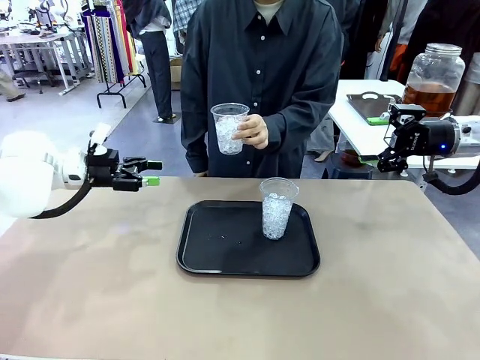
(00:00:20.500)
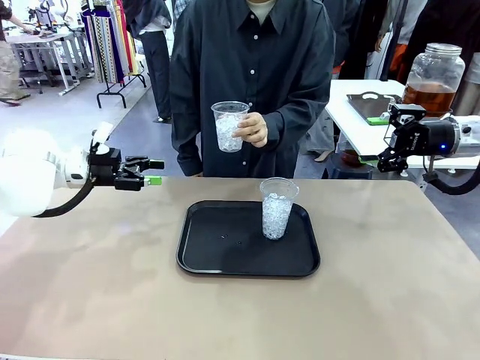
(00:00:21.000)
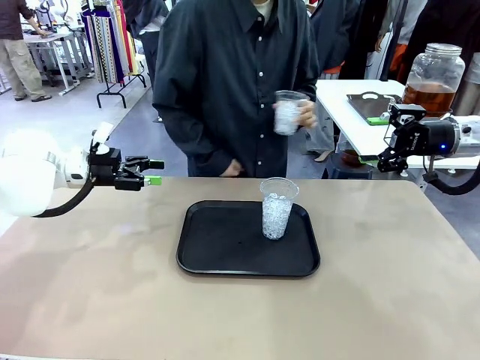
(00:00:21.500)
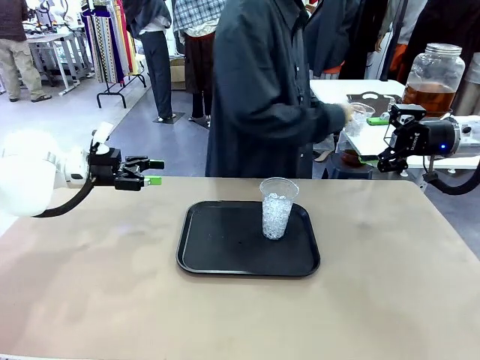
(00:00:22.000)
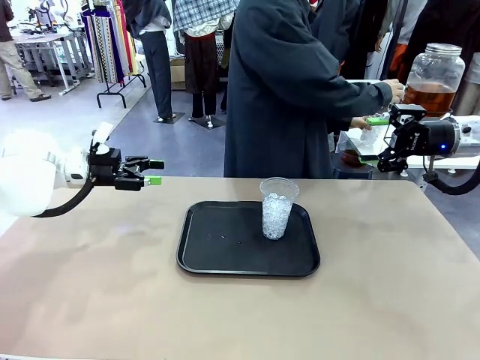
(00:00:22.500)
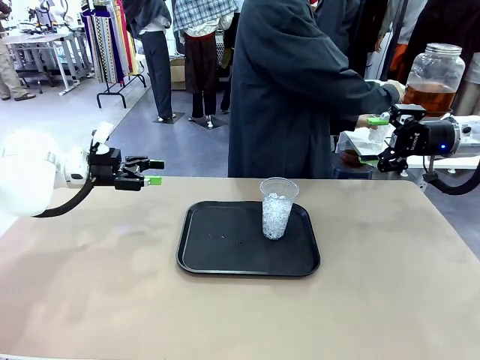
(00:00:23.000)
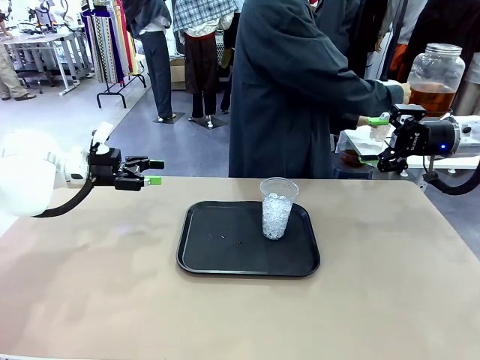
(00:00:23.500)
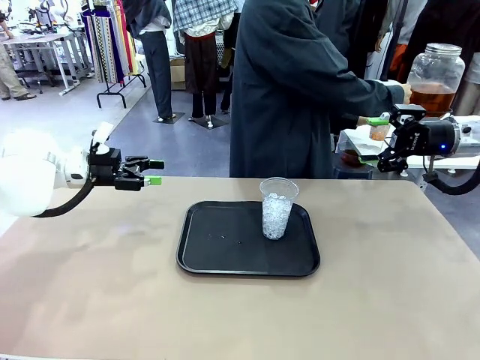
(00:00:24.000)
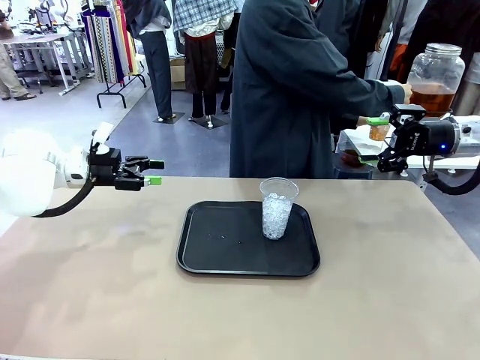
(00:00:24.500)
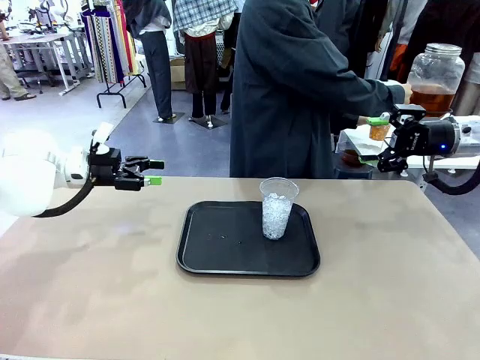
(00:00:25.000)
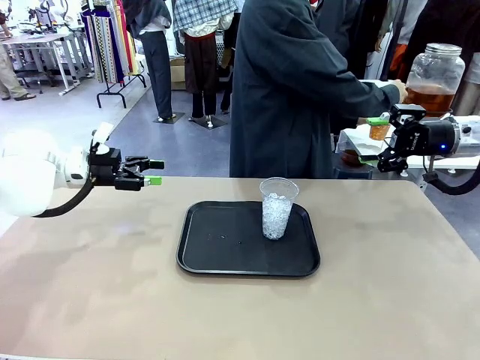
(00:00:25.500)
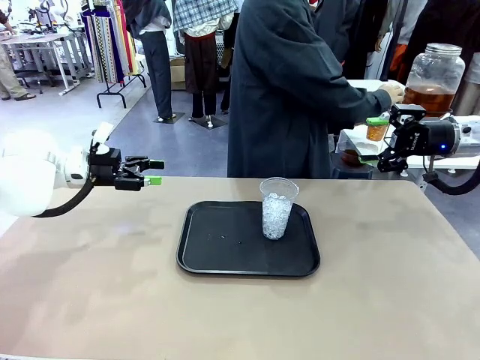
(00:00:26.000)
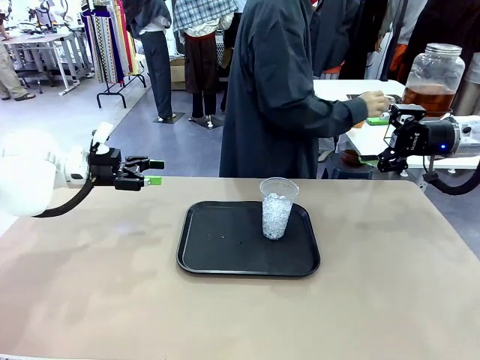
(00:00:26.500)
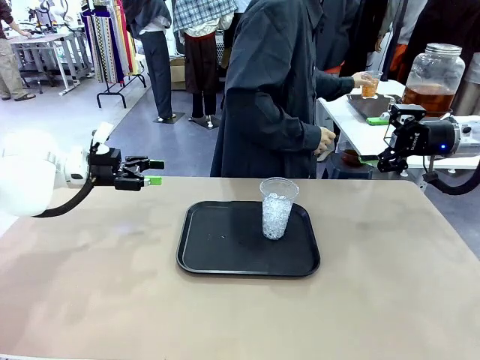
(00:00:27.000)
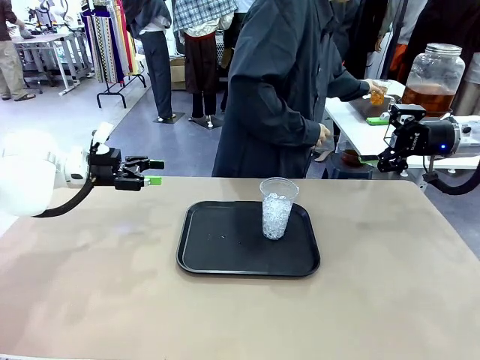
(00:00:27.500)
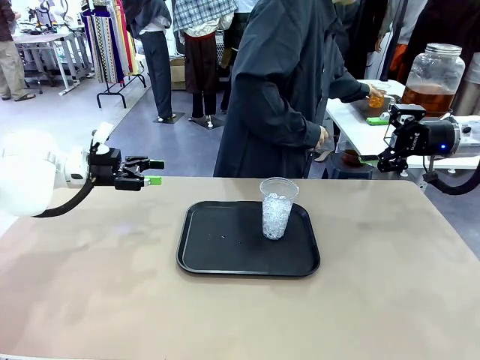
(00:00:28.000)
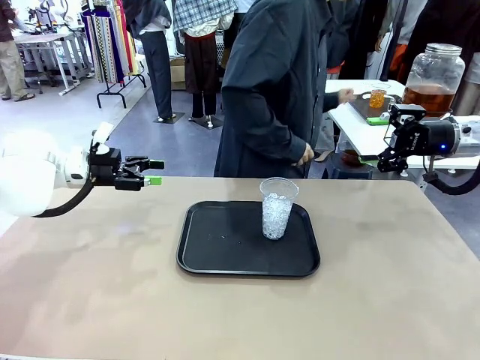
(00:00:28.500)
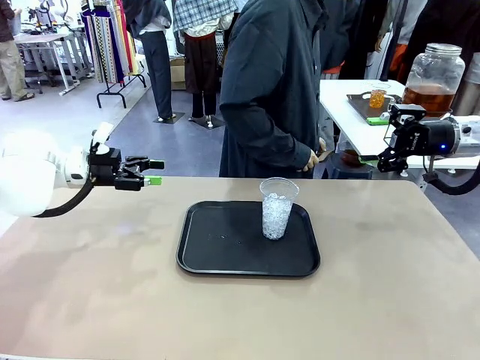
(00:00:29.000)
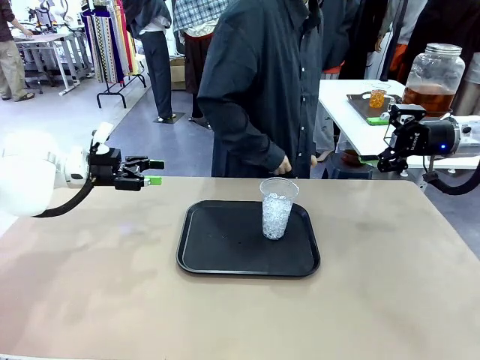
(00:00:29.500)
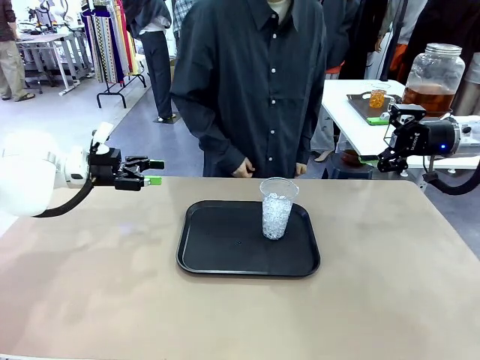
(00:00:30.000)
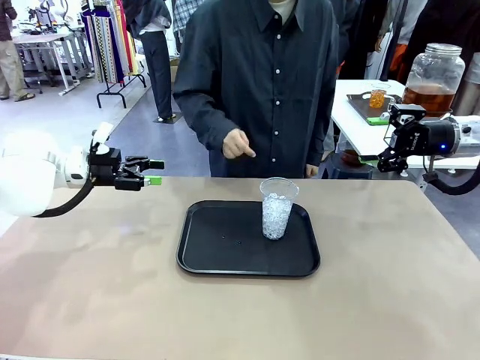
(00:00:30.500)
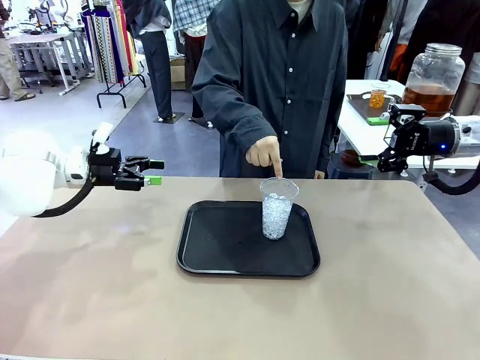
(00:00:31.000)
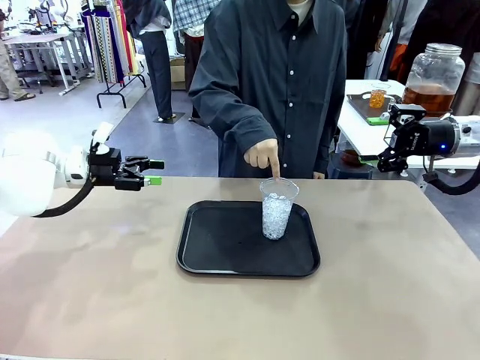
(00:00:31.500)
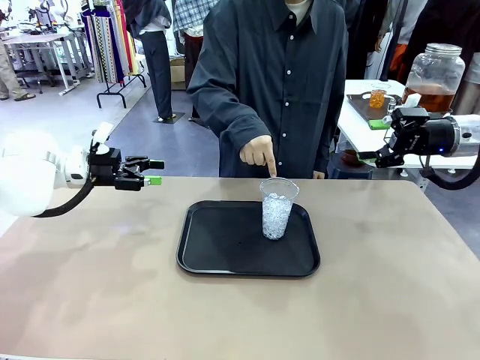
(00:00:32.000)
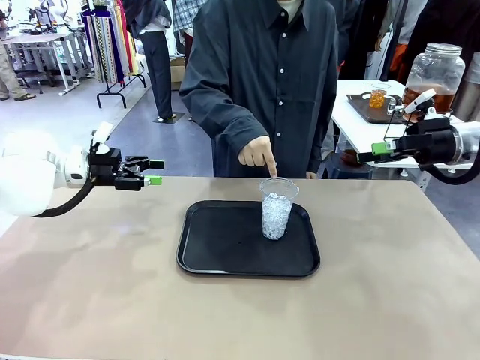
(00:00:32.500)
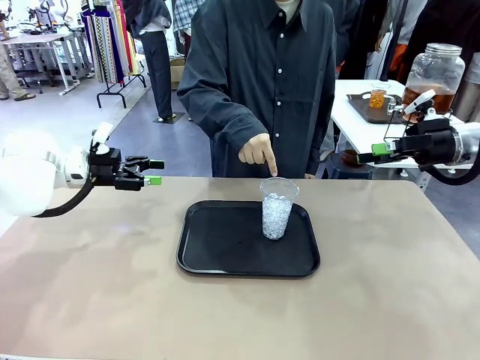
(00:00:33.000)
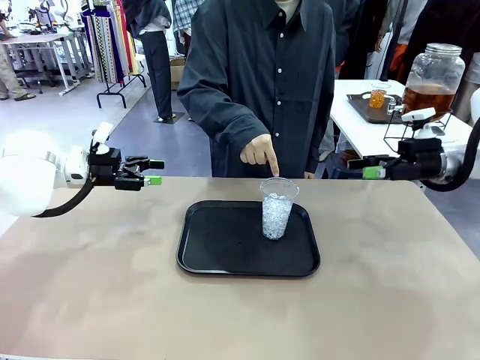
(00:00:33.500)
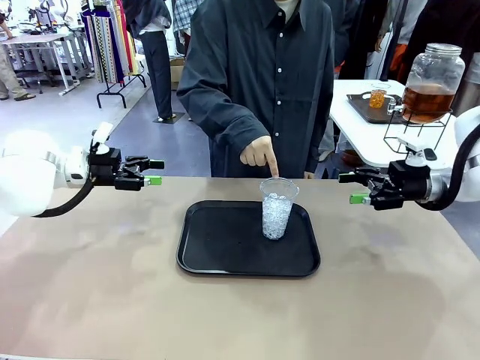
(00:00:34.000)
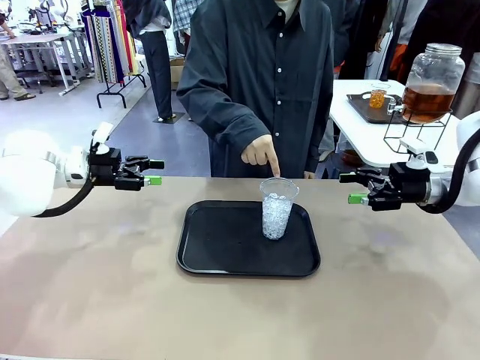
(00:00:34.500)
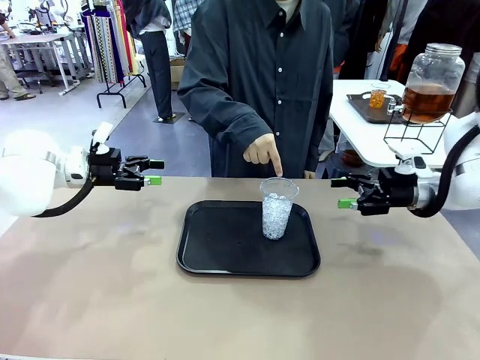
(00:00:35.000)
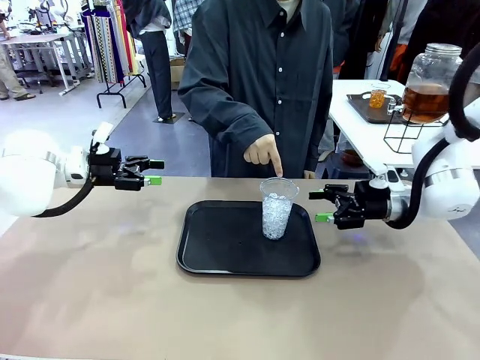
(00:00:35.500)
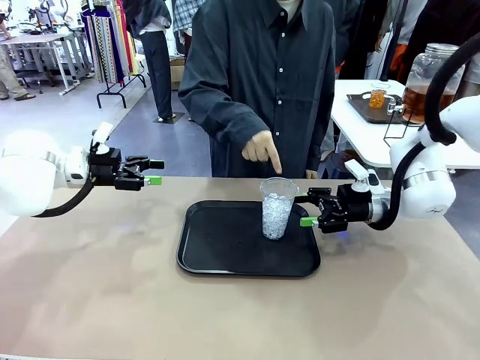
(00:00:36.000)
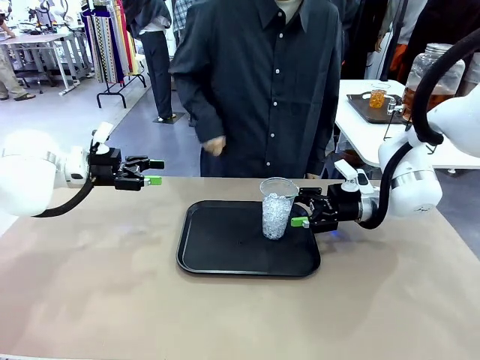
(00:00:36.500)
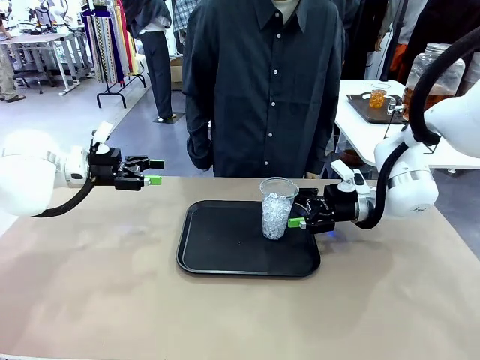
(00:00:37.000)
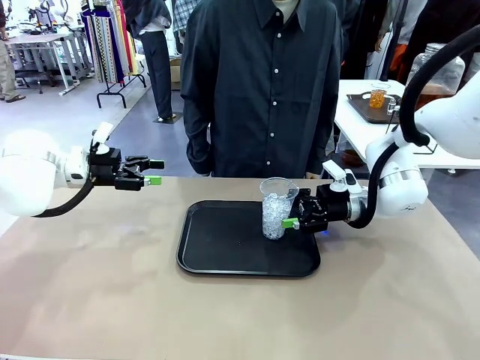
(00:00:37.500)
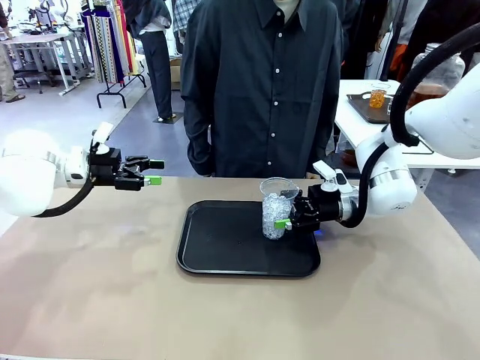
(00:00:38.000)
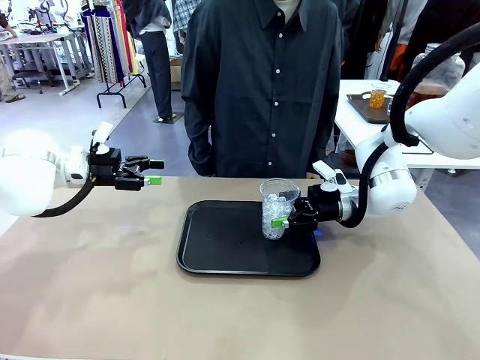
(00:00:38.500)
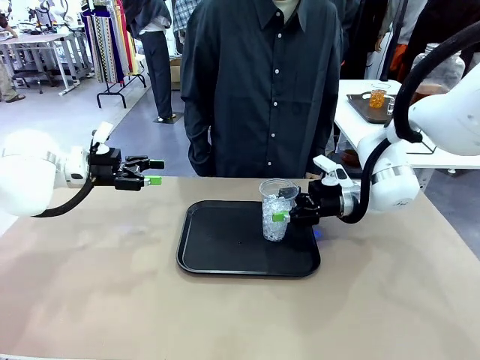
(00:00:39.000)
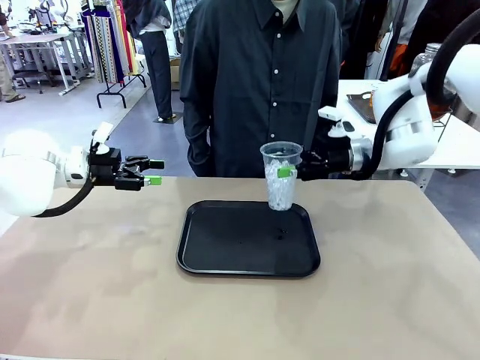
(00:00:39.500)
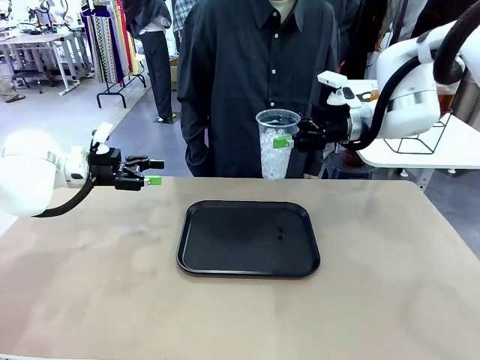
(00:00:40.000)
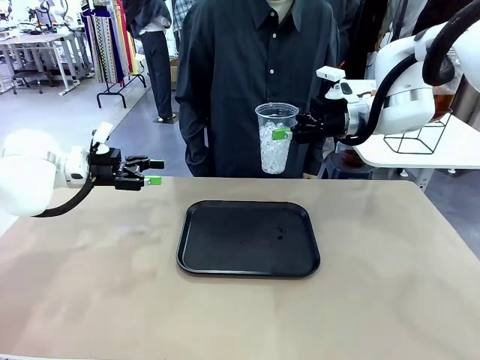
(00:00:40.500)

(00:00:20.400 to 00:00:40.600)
Task: Pour the drink into the iced cup.
Robot: Pick up the iced cup indicated by the human and present it to them.
Person: Move the picked-up cup under the dispenser faucet, pour the drink, and place it on the tray on the human table. Point to the remaining ice cup on the robot table. Pick up the cup offered by the robot.

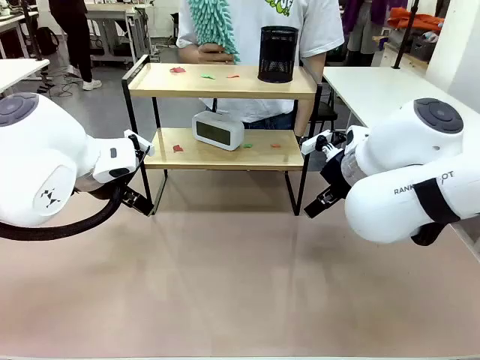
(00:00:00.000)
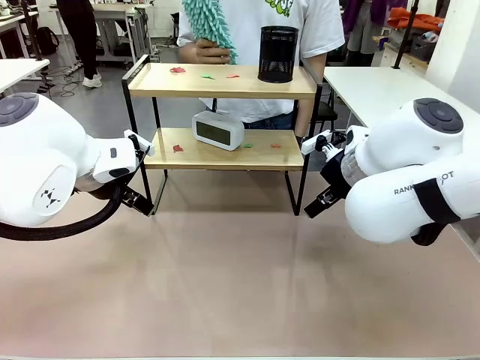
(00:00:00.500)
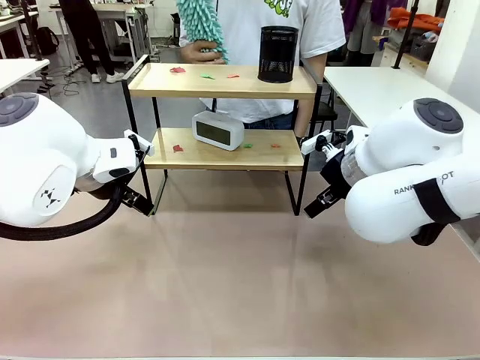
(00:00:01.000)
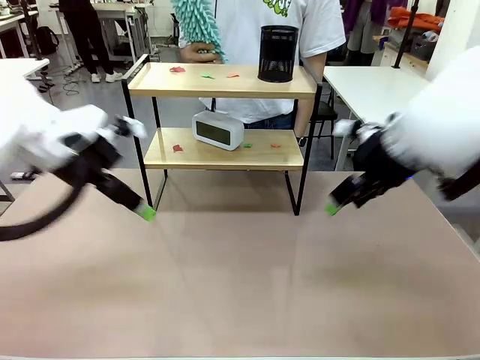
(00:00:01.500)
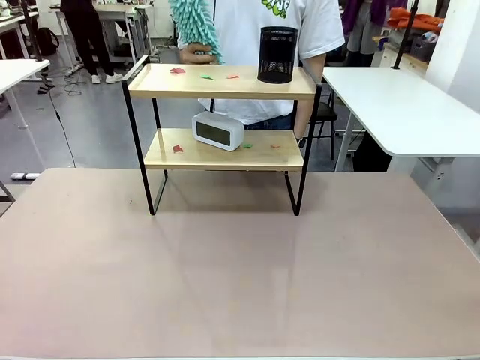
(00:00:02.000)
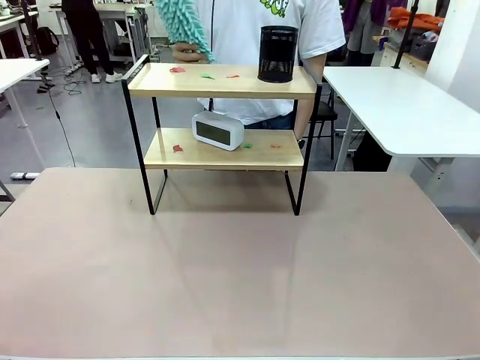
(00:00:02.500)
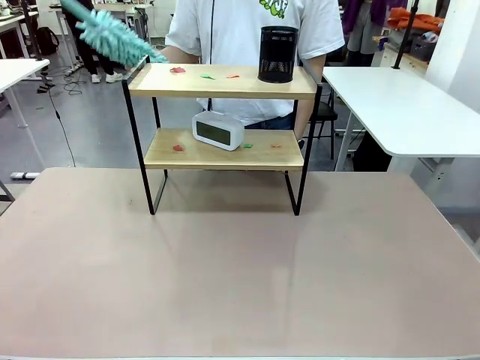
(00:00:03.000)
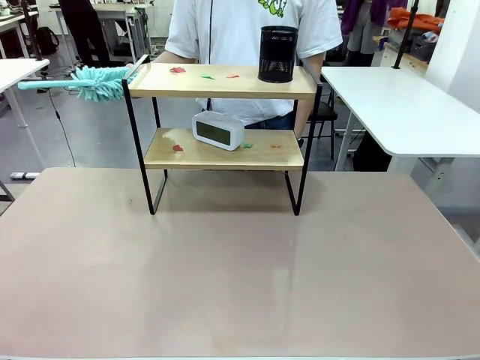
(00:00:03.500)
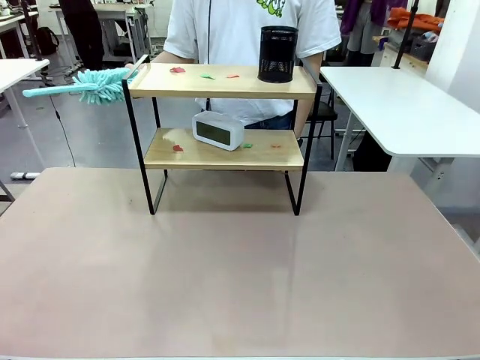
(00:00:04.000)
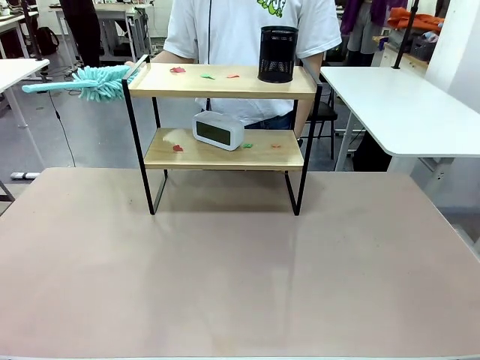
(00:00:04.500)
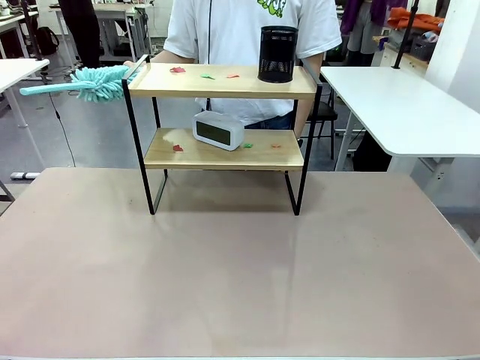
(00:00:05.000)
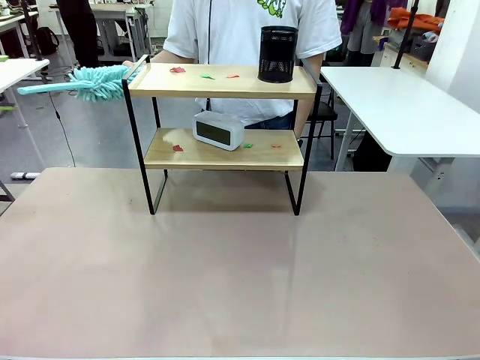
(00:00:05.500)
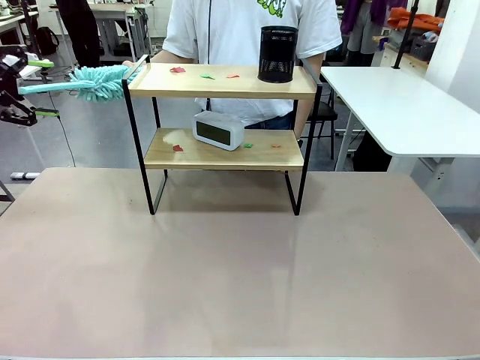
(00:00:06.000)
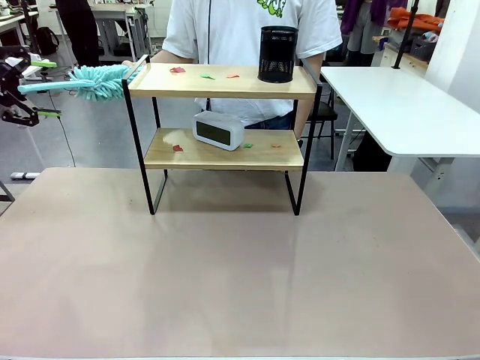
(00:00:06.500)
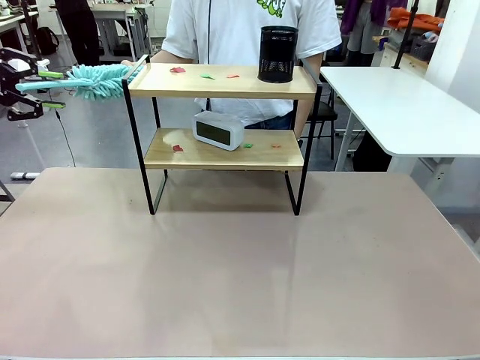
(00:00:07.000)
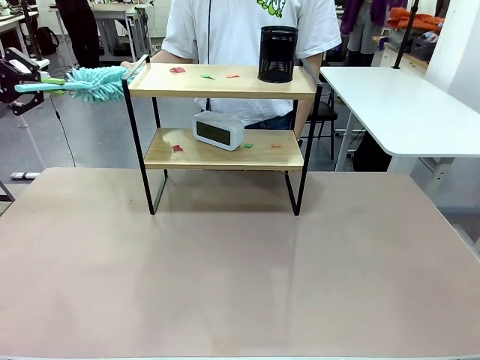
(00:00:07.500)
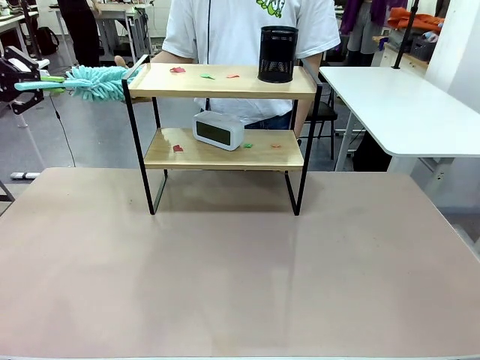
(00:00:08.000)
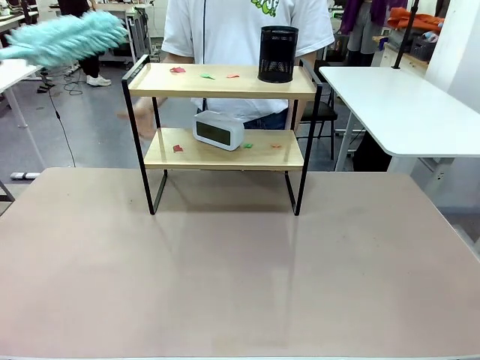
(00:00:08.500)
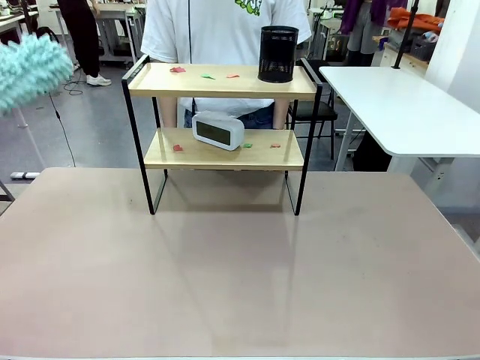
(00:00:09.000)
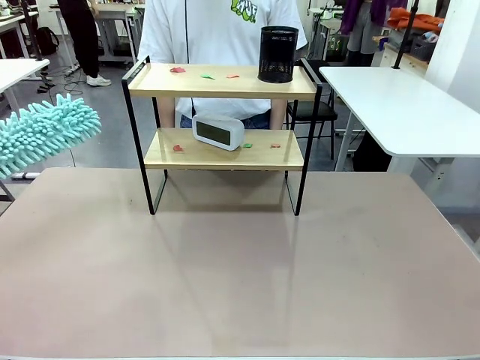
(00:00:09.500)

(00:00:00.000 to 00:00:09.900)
Task: Clean the shelf.
Robot: Pick up the Duster from the human.
Person: Hand the Duster to the robot.
